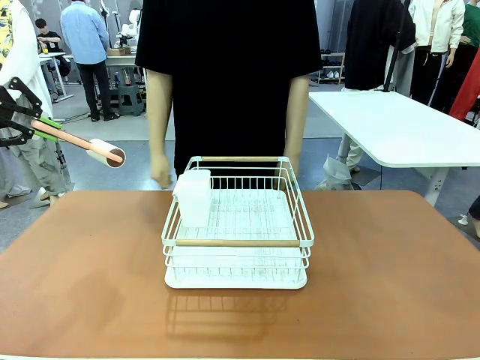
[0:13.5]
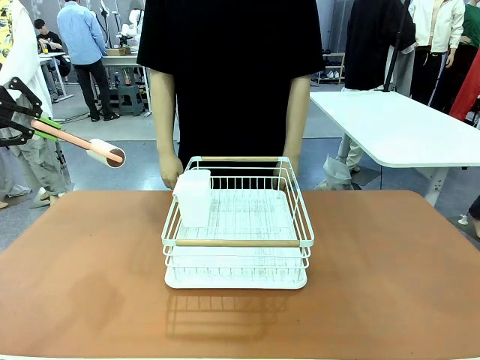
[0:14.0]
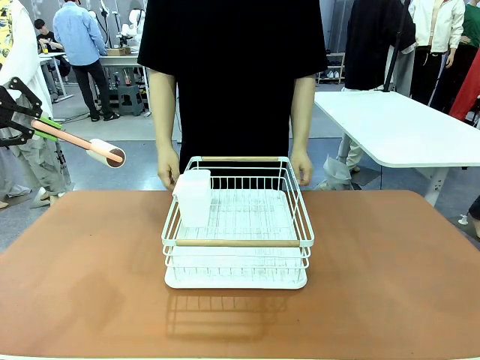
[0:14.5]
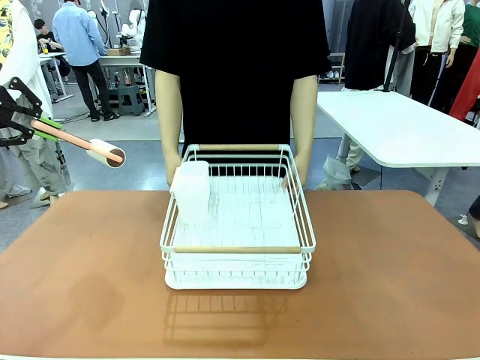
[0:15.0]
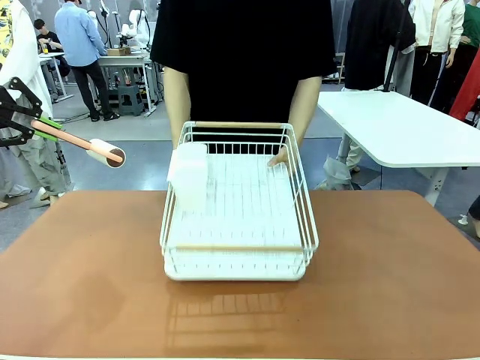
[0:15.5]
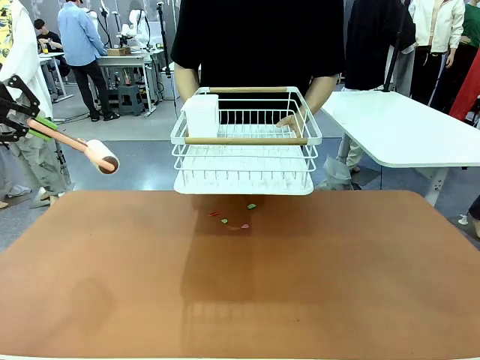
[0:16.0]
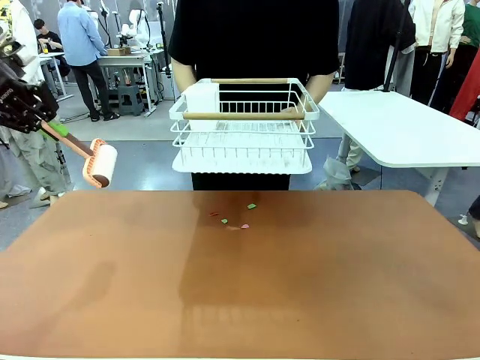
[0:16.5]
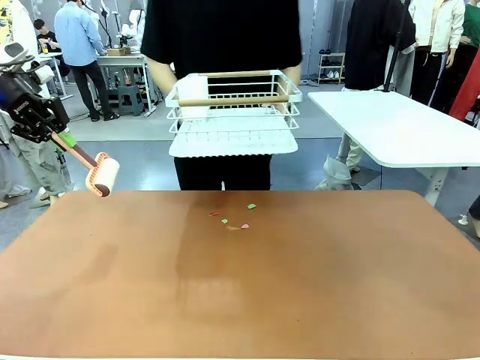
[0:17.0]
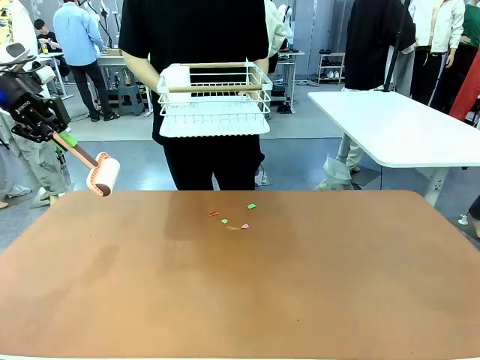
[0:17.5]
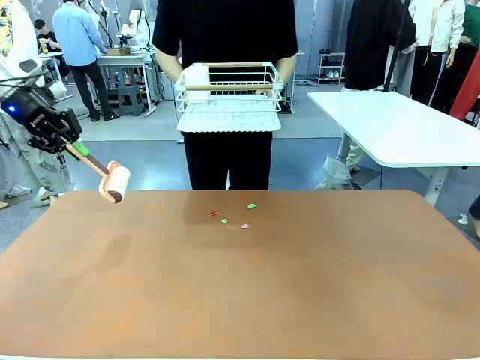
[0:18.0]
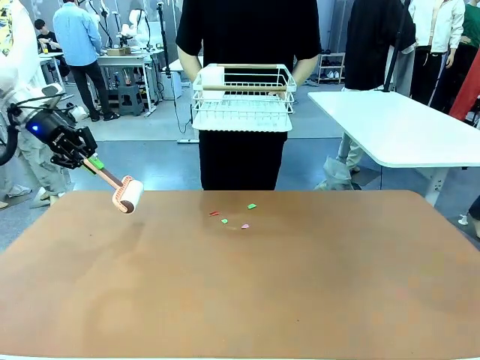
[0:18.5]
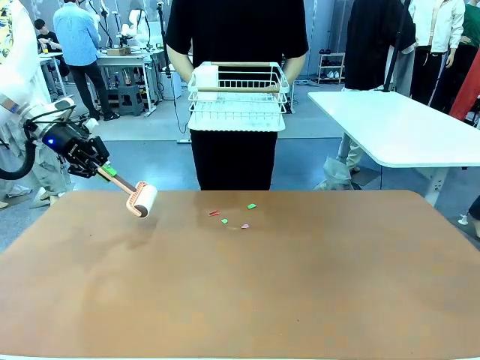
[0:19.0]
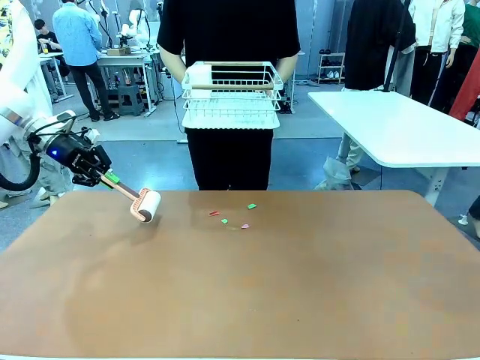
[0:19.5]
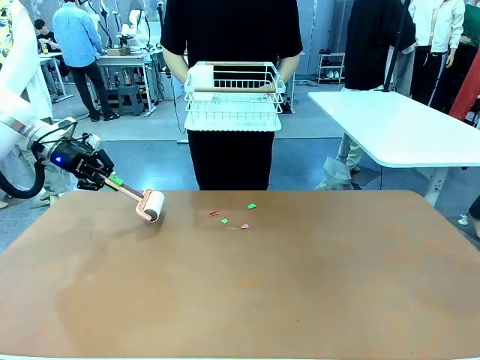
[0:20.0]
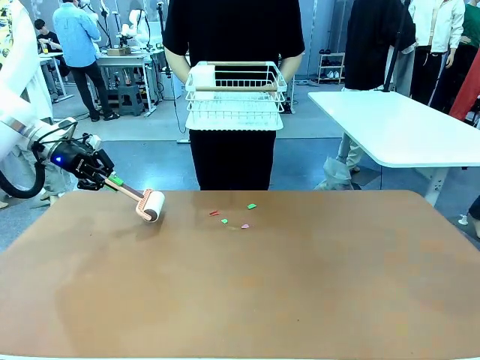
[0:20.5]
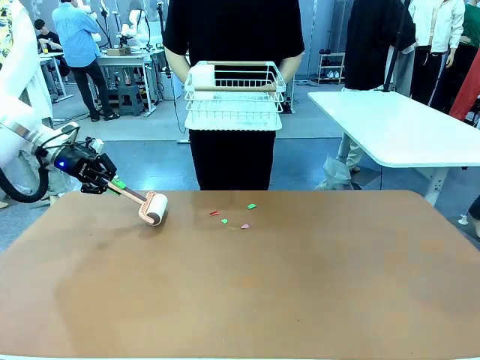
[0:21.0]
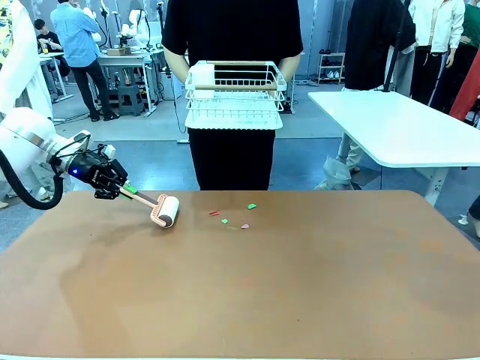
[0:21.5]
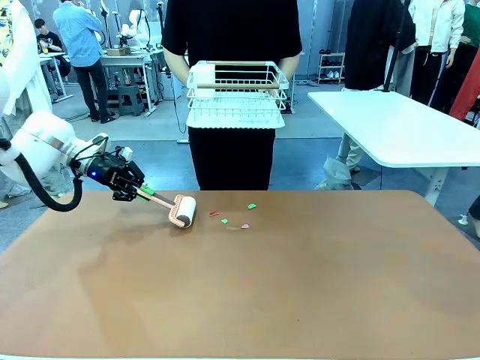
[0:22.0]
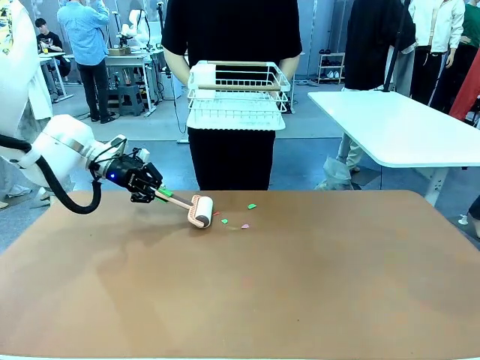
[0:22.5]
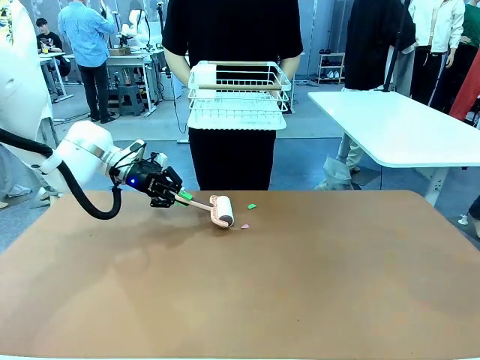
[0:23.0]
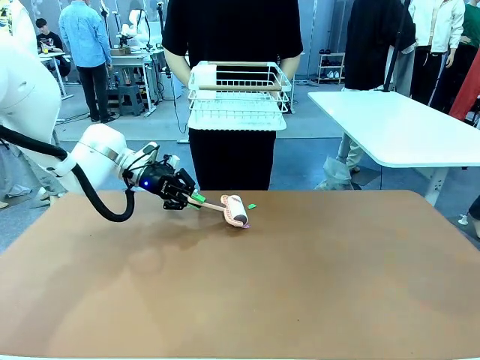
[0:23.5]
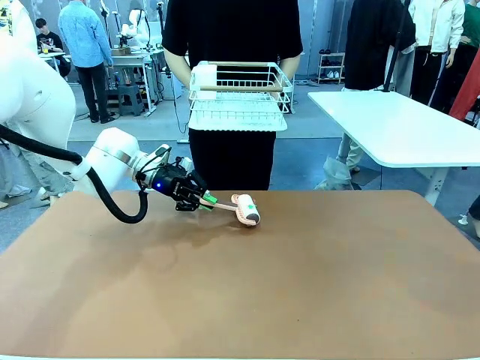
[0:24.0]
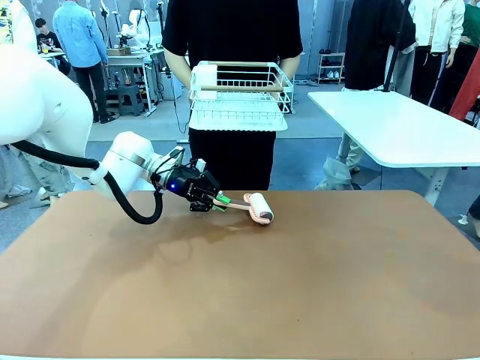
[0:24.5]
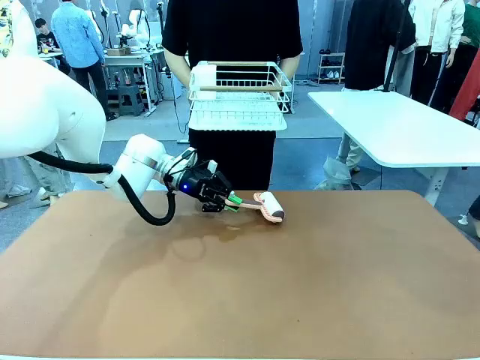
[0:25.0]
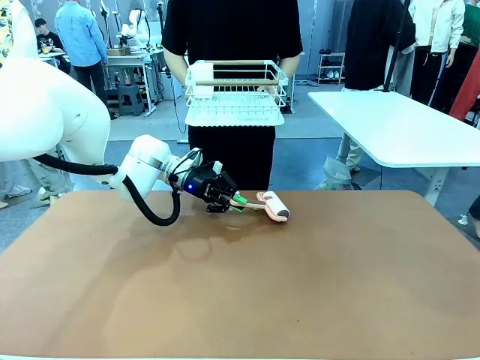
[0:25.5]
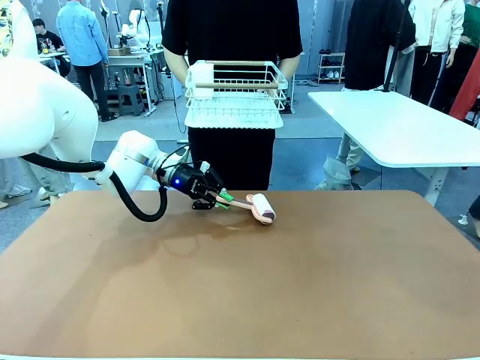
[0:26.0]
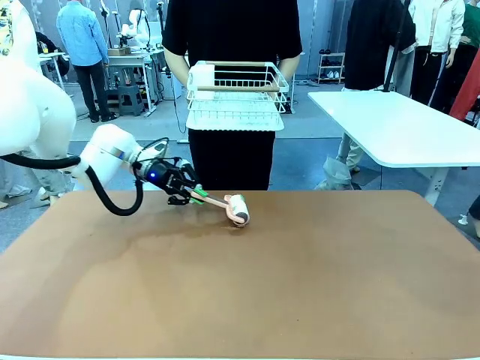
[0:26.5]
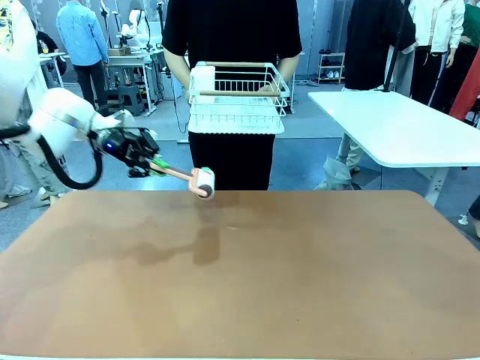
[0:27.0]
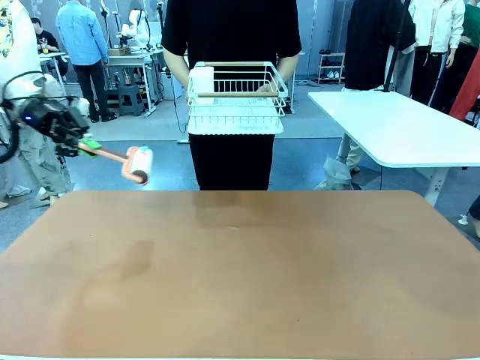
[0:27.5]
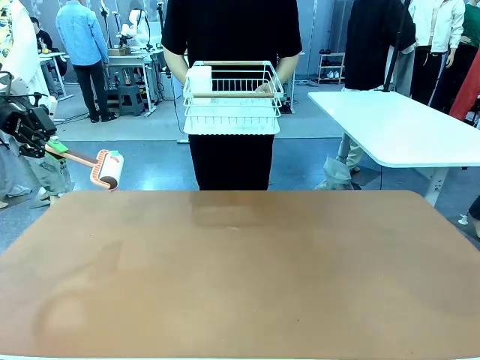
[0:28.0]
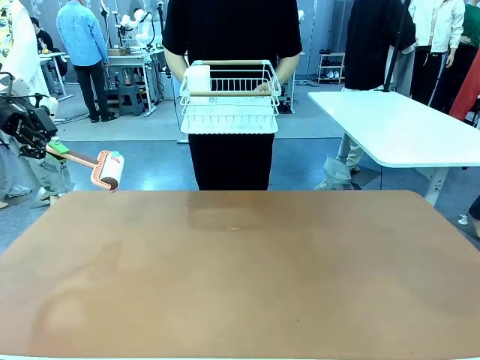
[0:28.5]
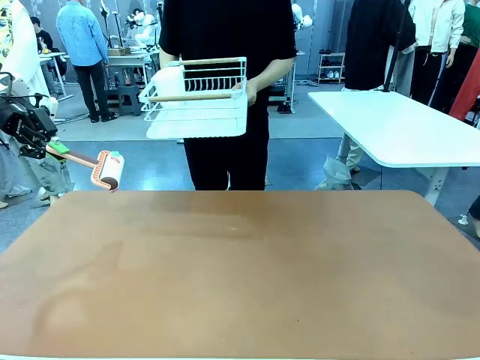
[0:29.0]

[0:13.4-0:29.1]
Task: Clean the table.
Robot: Clean the table with the Lint Roller when the human lifts the Dish drying rack.
Person: Place the Dish drying rack down when the robot finishes cleaning.

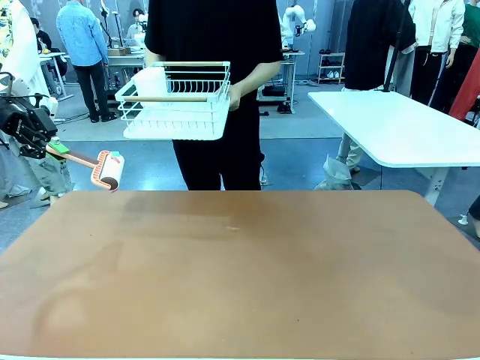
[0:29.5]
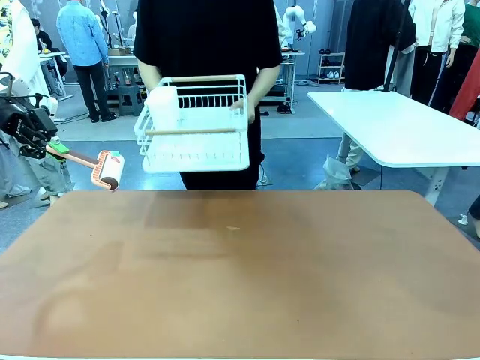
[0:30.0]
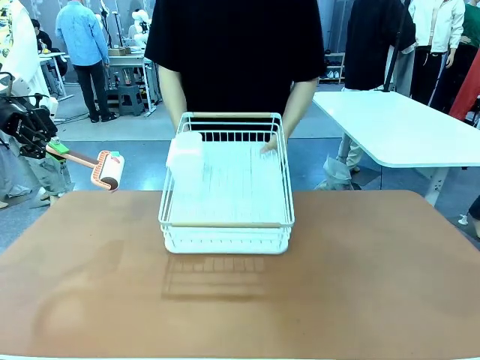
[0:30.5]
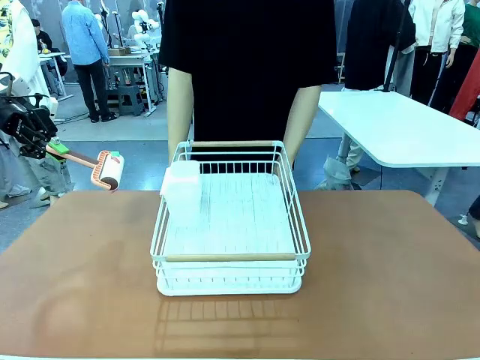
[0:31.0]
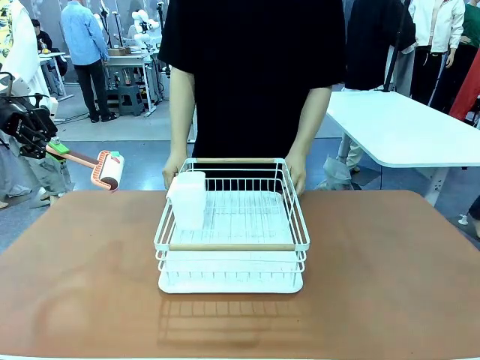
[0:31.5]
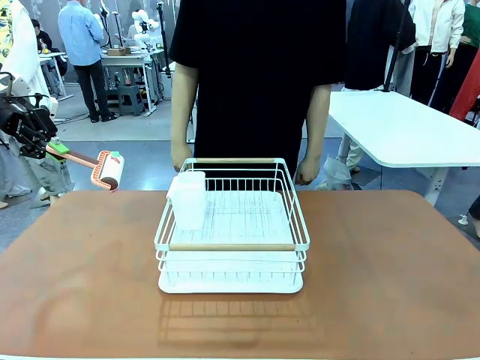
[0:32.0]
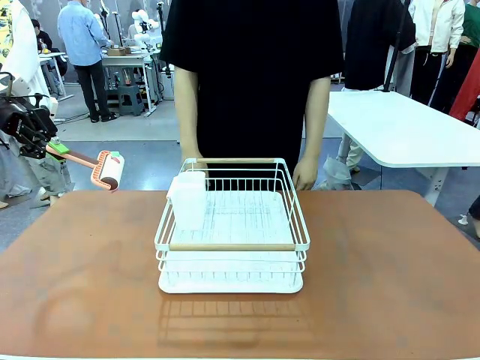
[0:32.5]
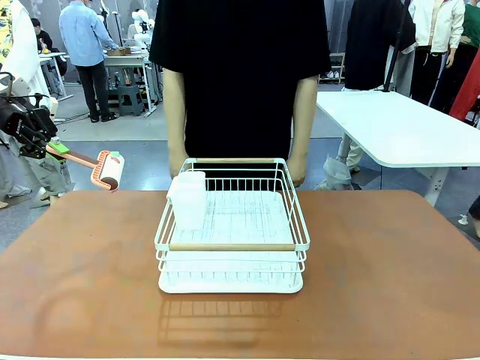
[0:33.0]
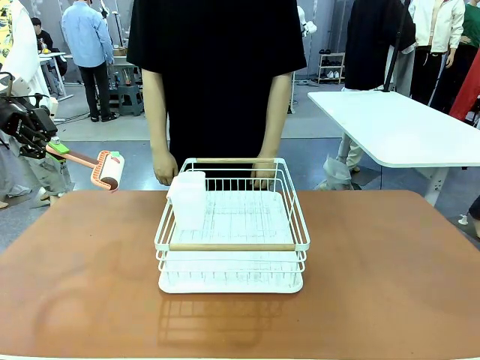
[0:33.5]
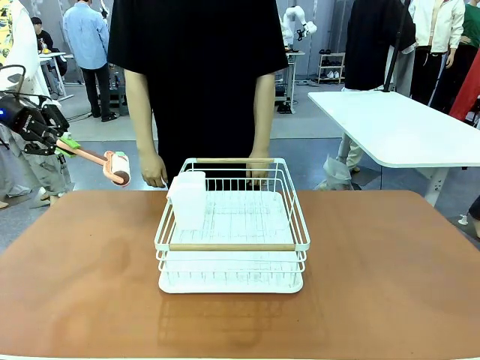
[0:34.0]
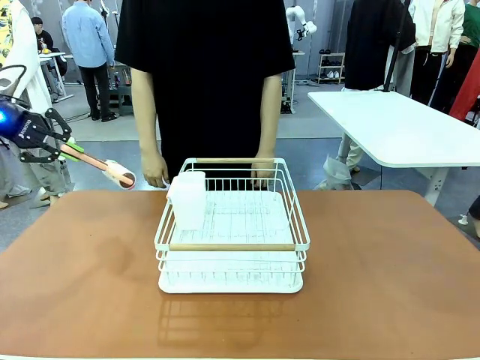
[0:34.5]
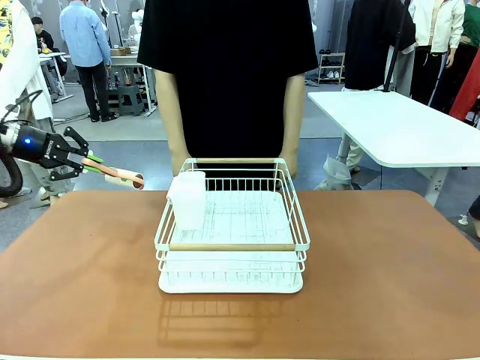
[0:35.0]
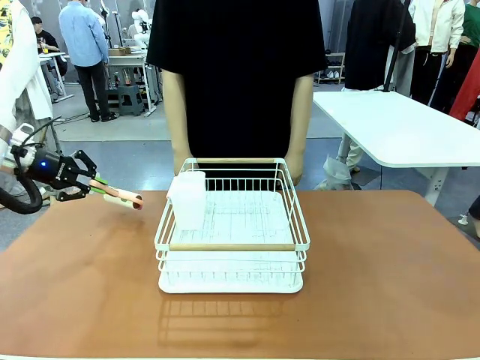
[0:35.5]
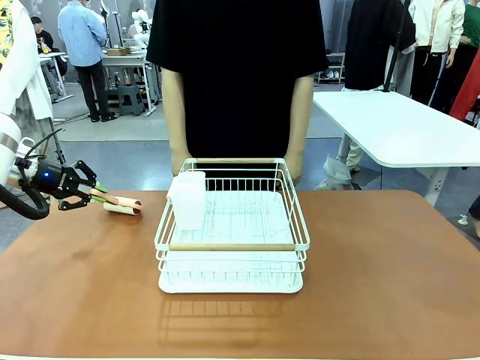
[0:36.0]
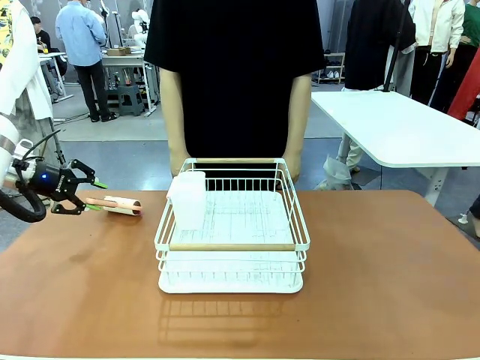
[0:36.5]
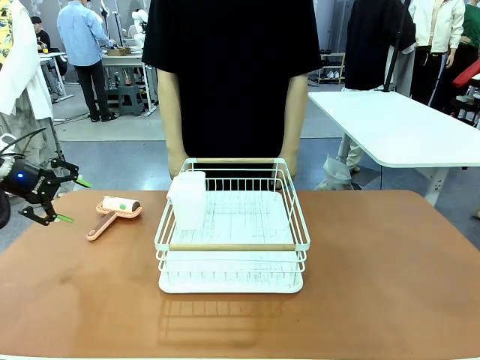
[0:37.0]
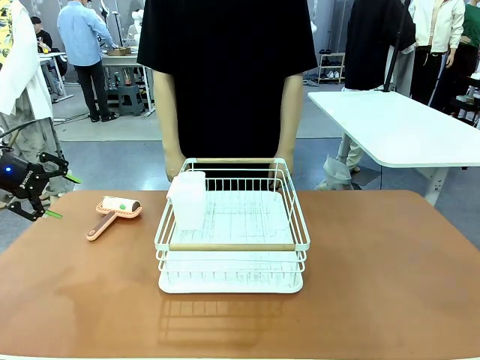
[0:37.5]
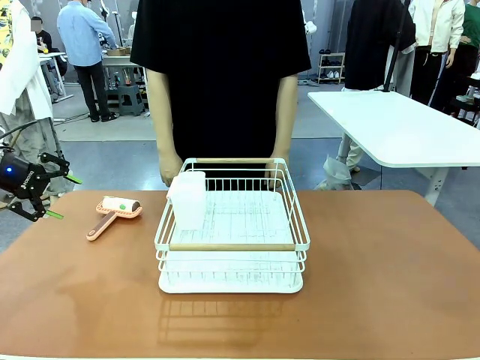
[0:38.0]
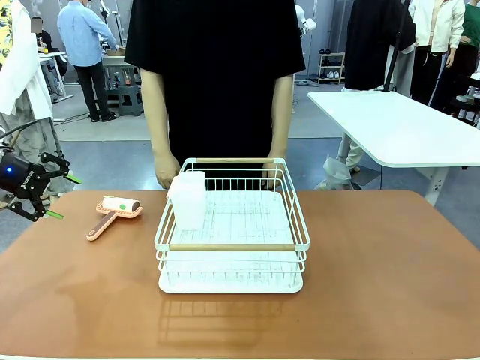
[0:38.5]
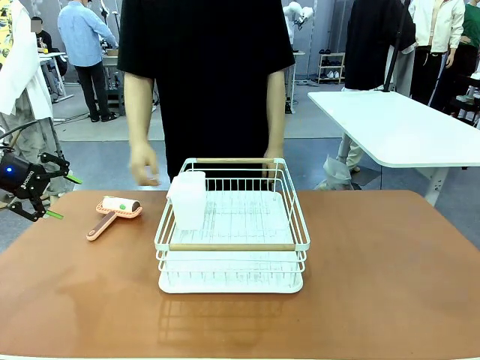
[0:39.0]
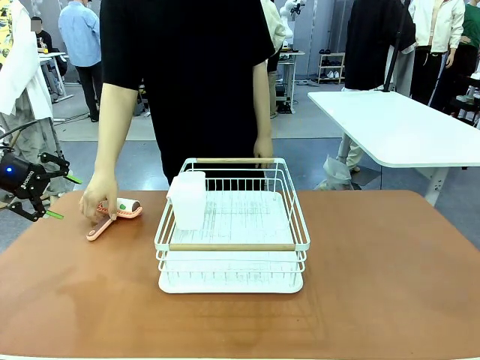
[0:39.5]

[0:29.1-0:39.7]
Robot: Place the Lint Roller down when the Dish drying rack is positioned in the middle of the table.
